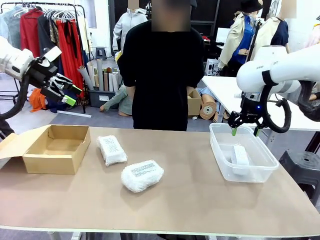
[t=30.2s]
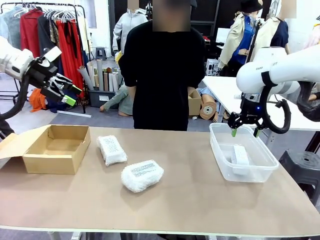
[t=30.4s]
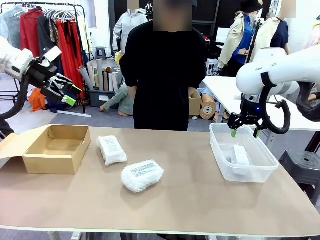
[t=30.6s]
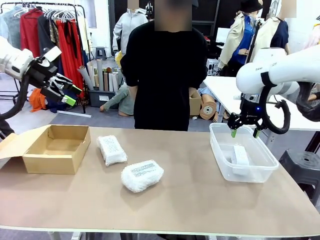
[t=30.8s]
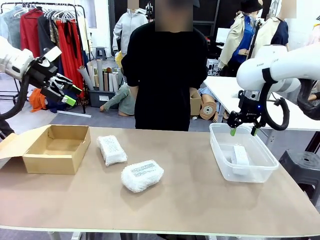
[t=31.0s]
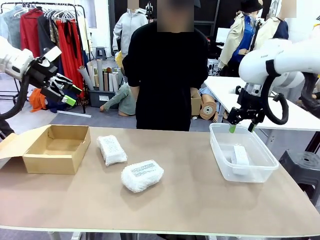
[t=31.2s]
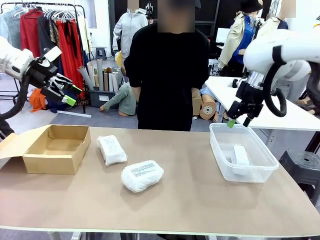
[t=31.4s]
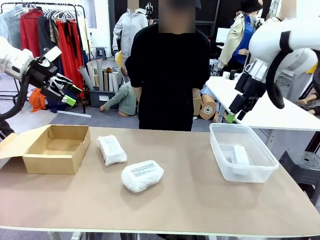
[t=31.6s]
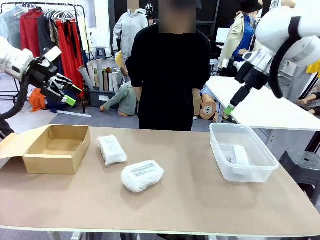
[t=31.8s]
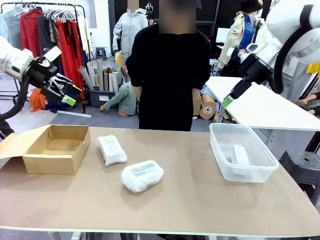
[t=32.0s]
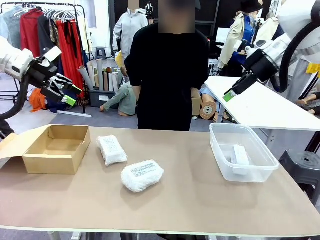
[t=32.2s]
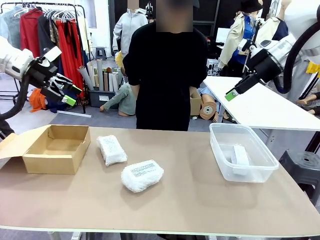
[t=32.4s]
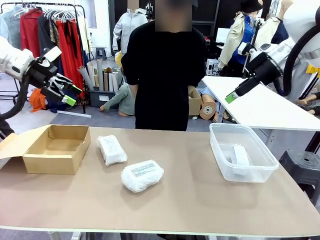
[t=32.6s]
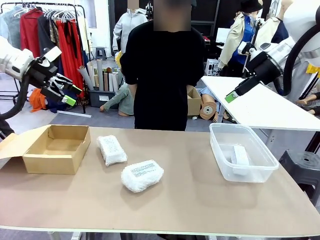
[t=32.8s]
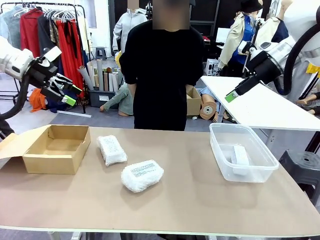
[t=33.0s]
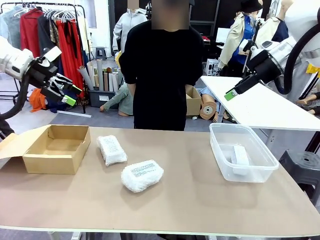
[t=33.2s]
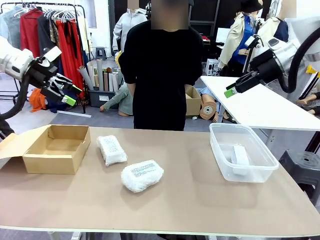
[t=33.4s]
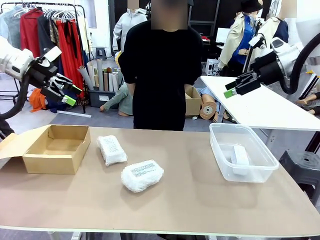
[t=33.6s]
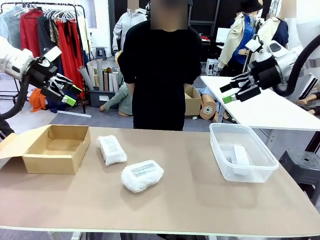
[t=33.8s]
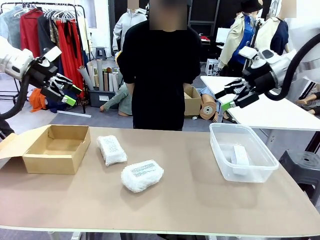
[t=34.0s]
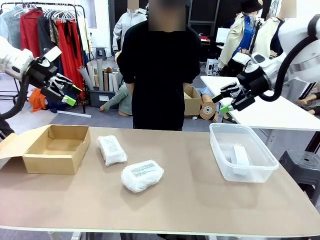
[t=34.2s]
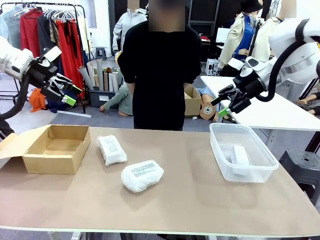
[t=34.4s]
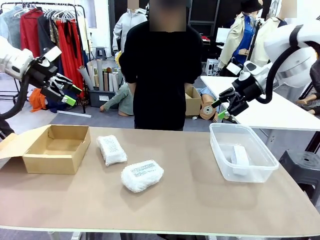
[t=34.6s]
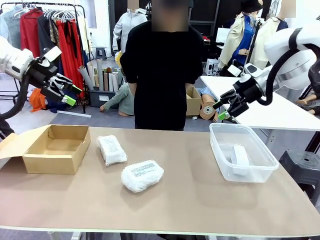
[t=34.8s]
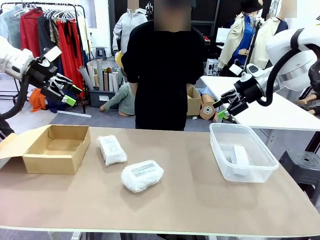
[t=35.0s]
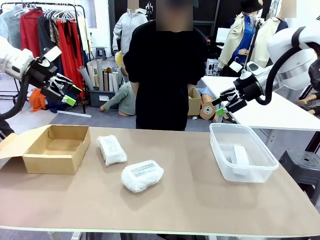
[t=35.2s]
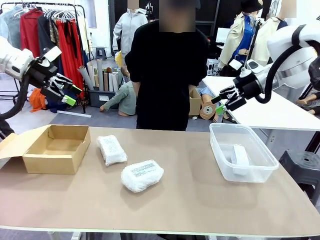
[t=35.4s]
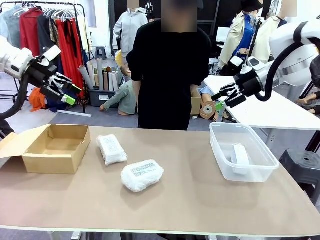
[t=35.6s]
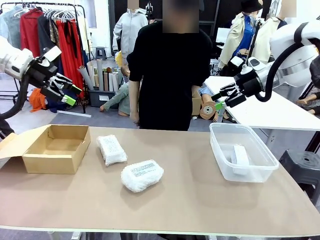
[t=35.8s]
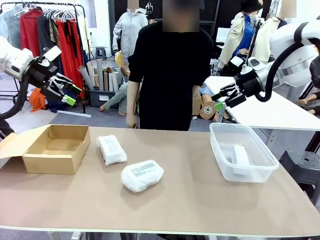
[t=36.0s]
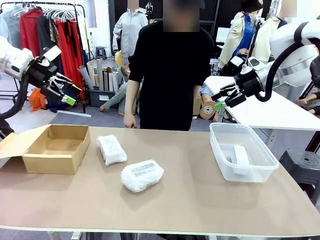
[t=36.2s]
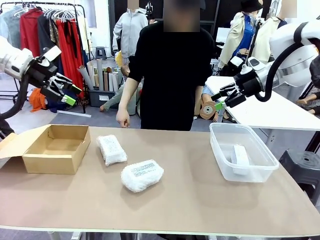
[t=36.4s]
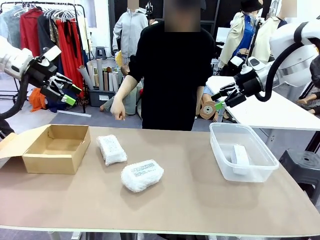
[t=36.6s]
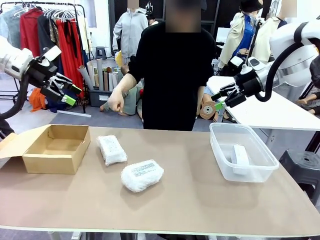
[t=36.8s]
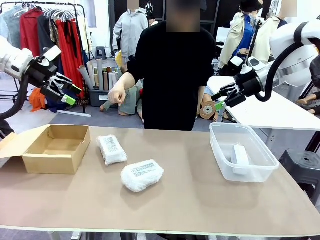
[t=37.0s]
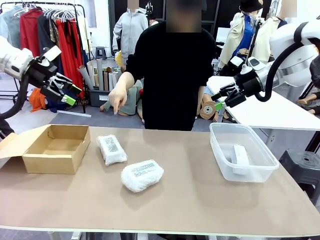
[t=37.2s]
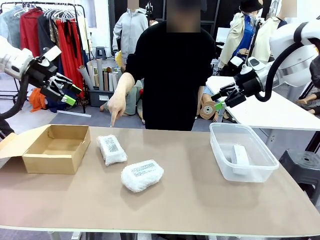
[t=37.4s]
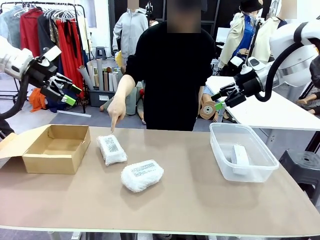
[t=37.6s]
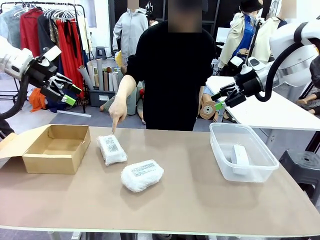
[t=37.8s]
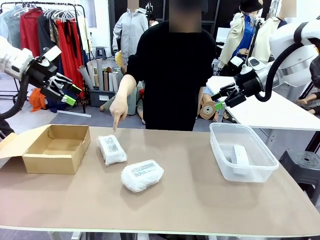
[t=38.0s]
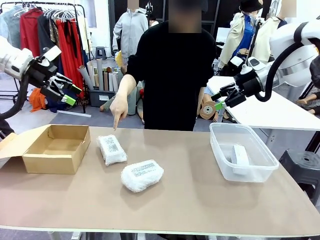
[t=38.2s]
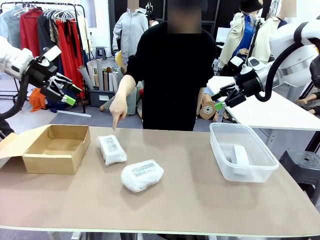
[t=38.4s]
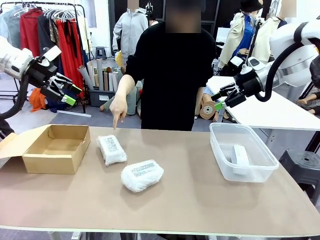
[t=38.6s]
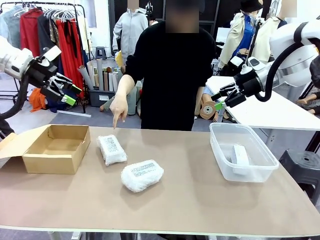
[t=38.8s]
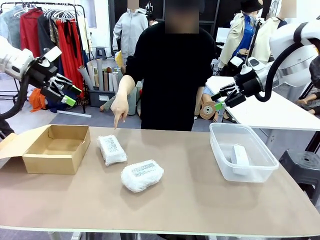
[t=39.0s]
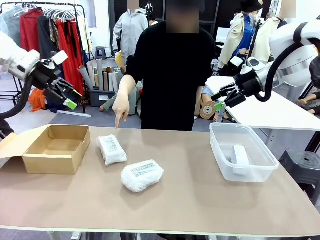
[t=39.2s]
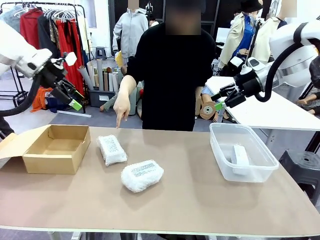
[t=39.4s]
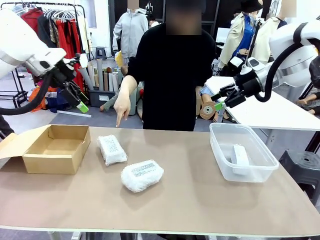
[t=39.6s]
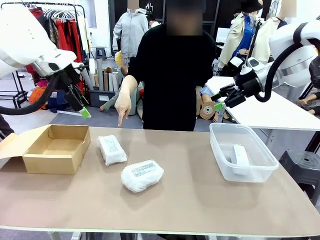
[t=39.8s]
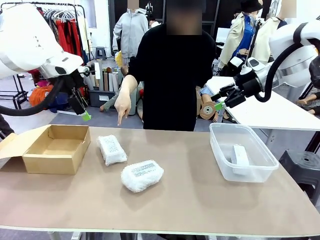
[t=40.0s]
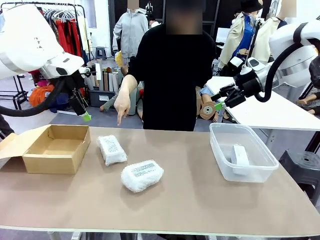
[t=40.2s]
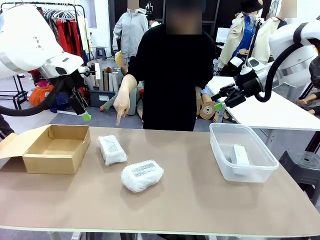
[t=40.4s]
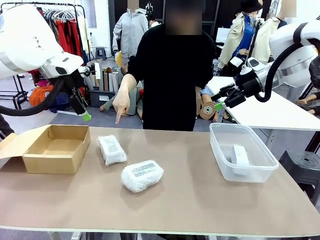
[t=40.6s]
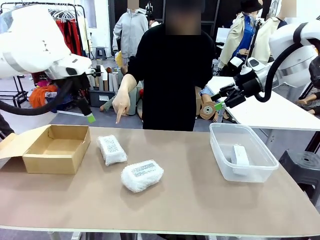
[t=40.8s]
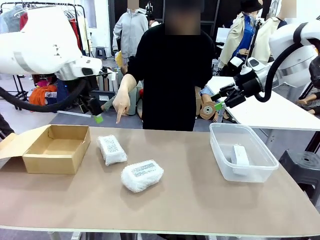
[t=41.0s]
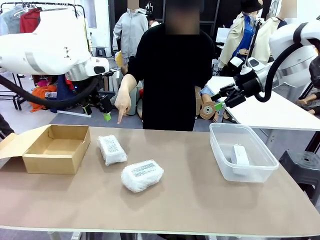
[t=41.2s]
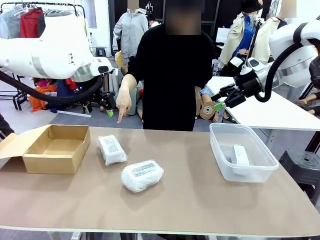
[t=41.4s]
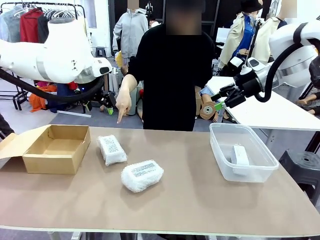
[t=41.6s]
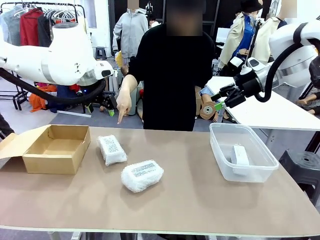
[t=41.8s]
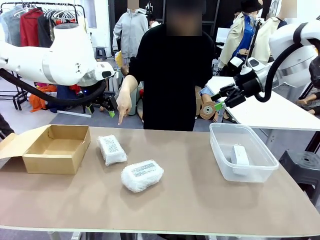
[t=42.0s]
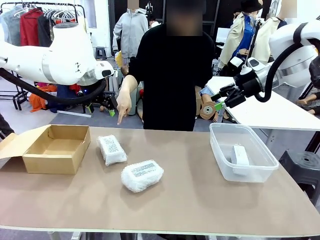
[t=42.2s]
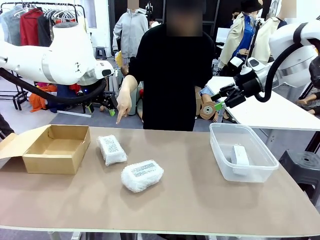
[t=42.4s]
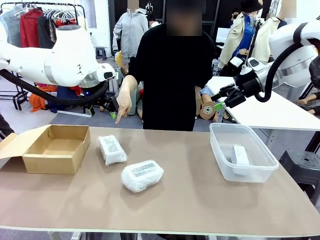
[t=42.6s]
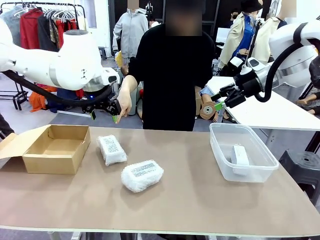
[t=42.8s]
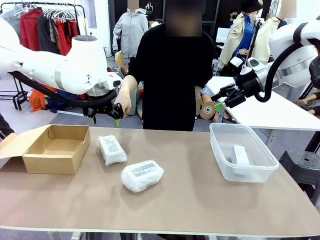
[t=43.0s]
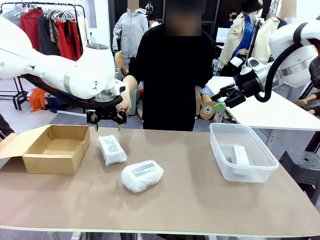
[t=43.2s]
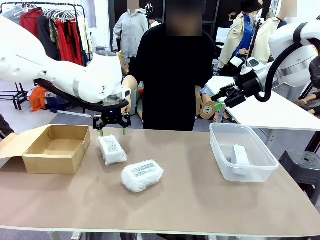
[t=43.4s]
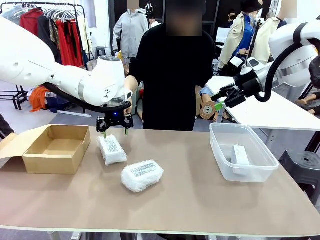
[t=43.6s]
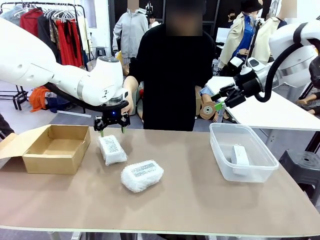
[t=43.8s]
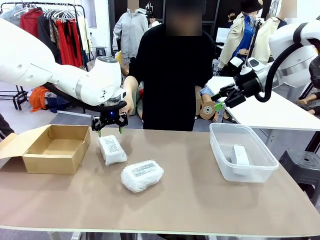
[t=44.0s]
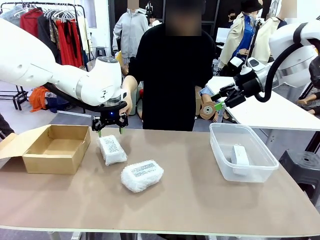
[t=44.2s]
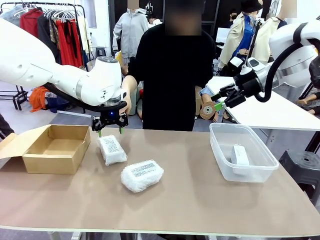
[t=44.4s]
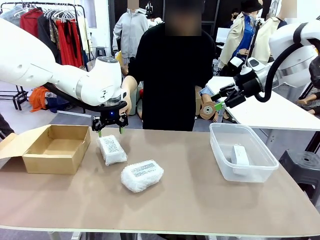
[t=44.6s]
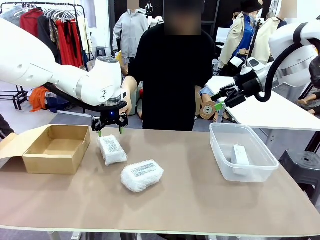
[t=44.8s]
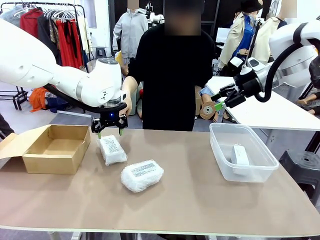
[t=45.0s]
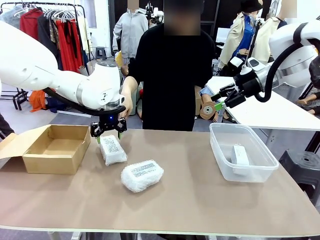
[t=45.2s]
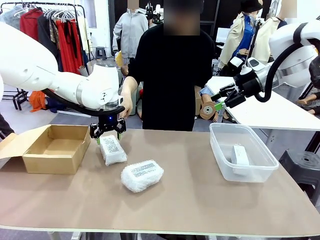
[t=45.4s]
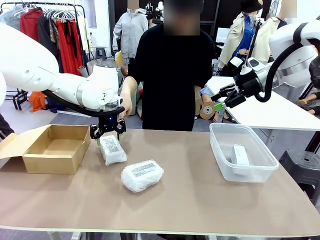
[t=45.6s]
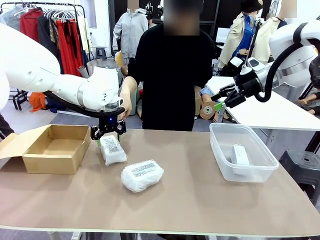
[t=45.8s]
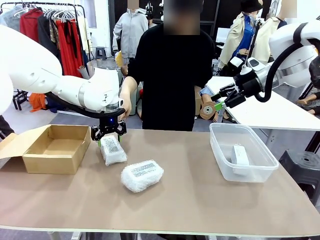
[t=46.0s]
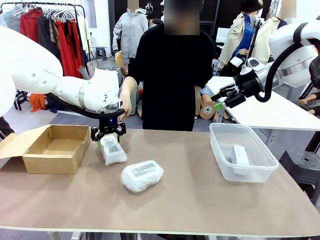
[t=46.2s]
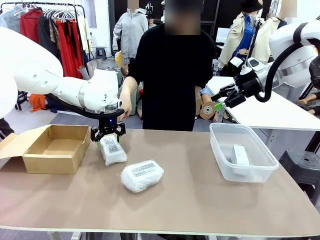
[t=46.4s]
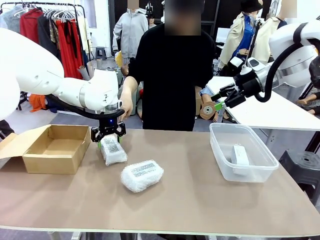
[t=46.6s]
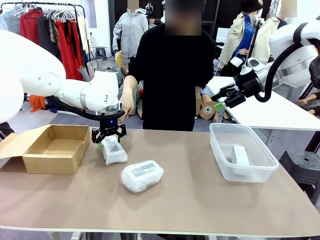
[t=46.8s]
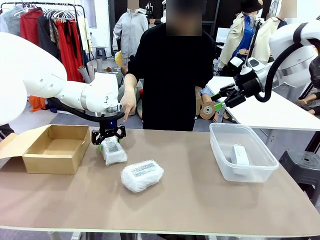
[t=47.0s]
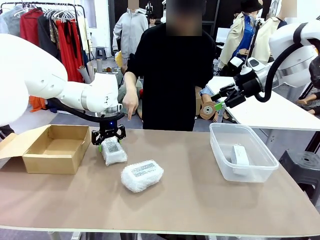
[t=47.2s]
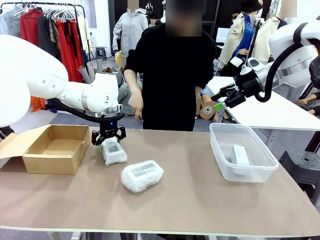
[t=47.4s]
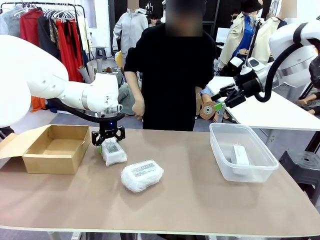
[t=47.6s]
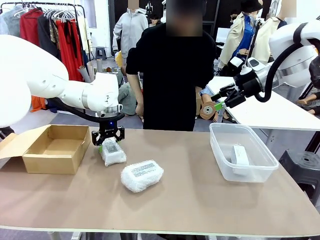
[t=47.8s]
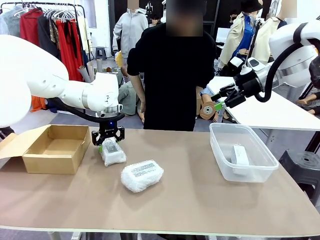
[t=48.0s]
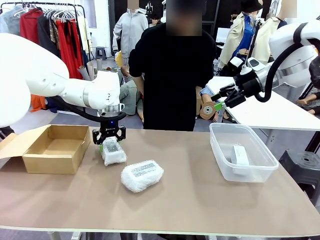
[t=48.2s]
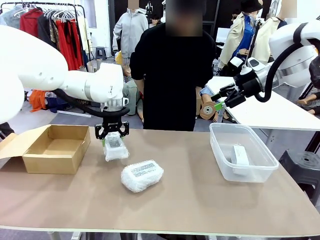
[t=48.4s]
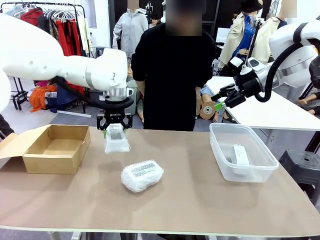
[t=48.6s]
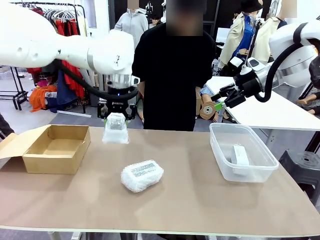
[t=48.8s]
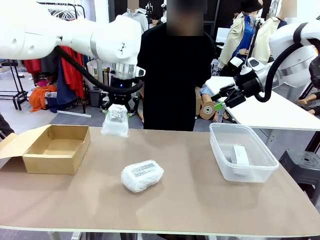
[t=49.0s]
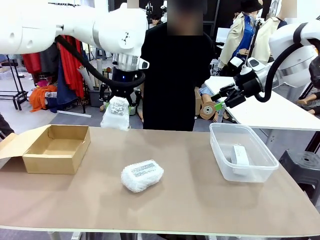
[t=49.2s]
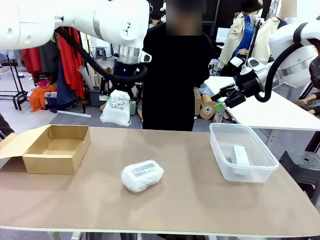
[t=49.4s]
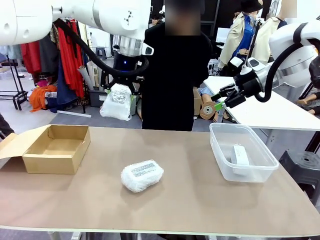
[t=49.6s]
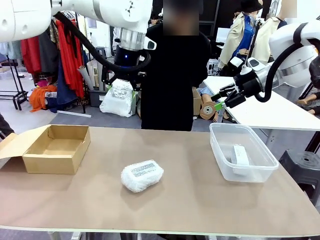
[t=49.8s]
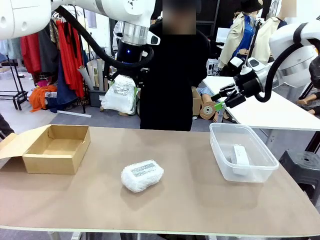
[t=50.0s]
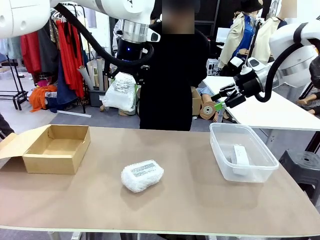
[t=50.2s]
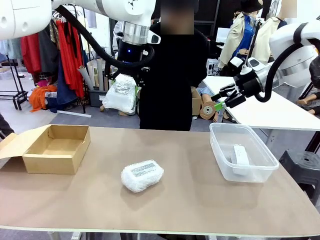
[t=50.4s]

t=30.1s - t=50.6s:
Task: Separate and place wrapped and unwrapped clocks.
Robot: Pick up the Digital clock indicated by the person.
